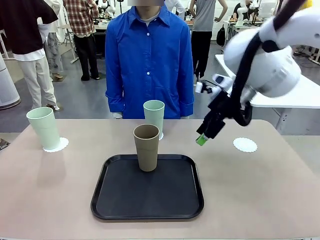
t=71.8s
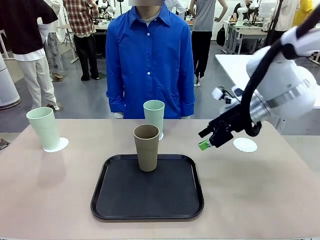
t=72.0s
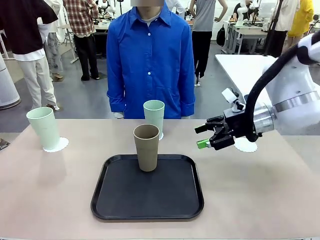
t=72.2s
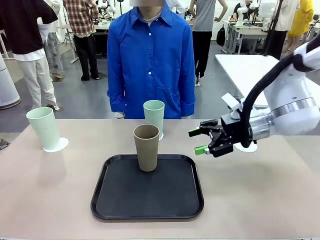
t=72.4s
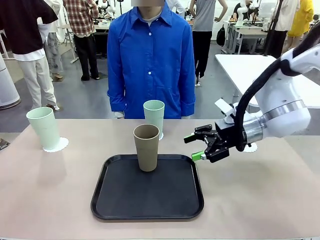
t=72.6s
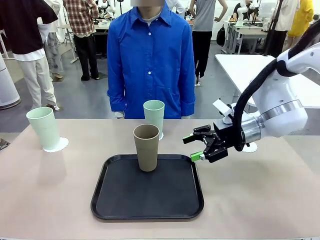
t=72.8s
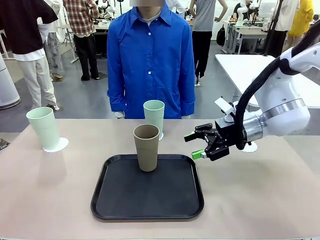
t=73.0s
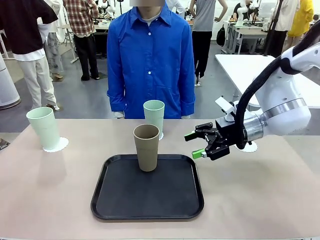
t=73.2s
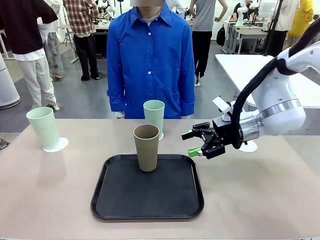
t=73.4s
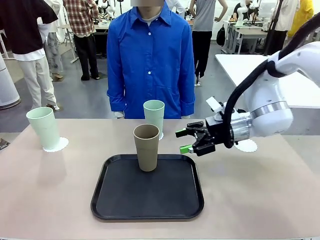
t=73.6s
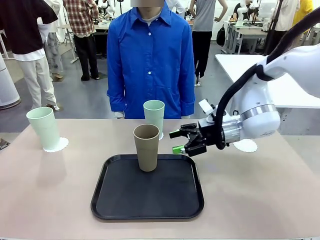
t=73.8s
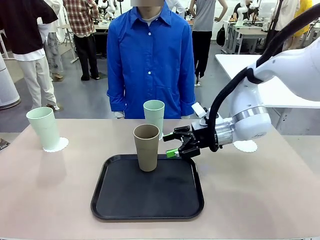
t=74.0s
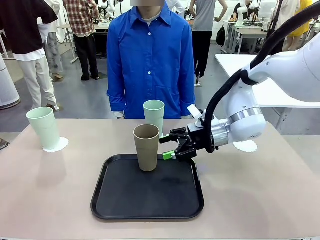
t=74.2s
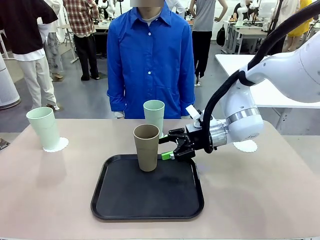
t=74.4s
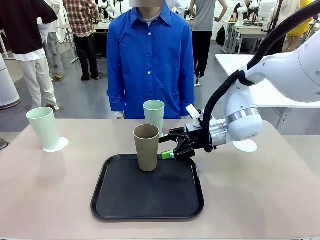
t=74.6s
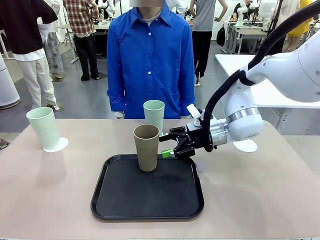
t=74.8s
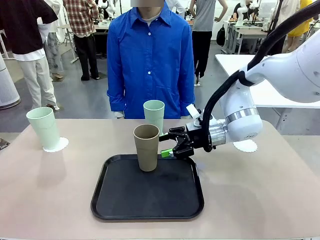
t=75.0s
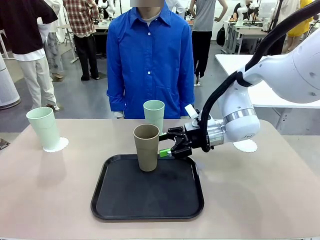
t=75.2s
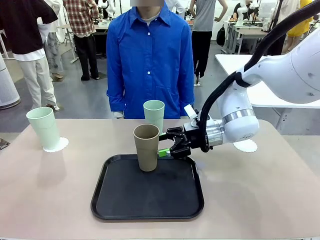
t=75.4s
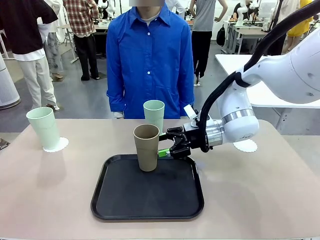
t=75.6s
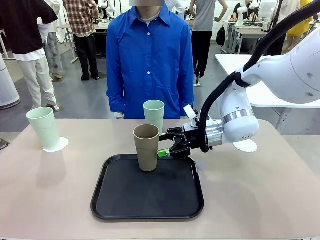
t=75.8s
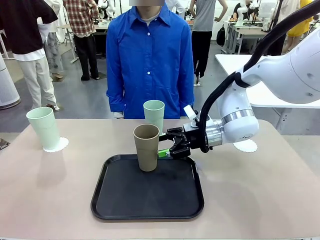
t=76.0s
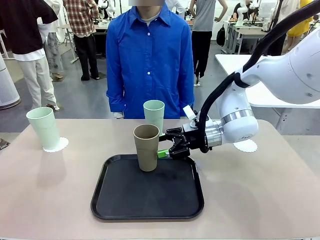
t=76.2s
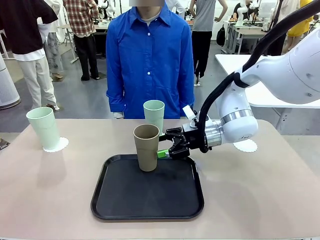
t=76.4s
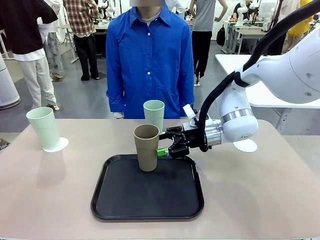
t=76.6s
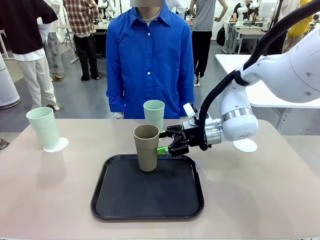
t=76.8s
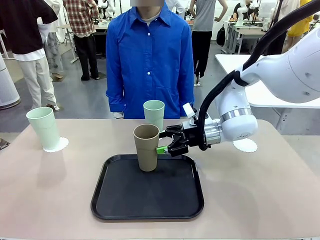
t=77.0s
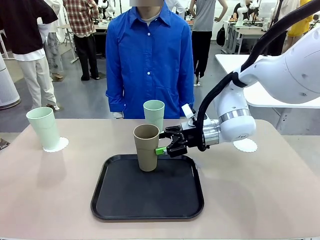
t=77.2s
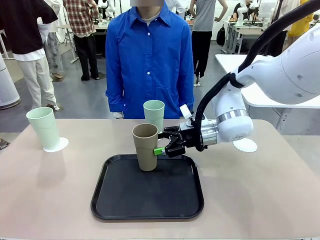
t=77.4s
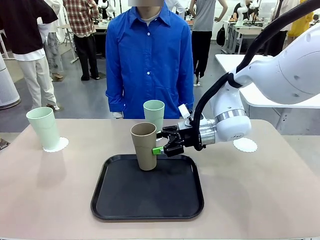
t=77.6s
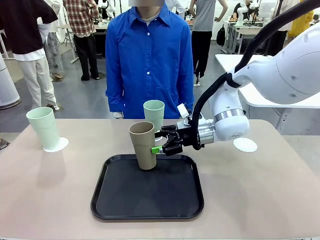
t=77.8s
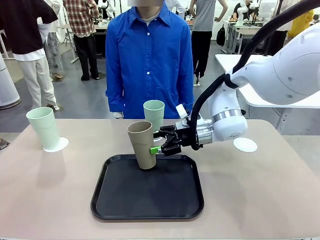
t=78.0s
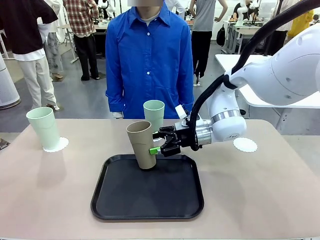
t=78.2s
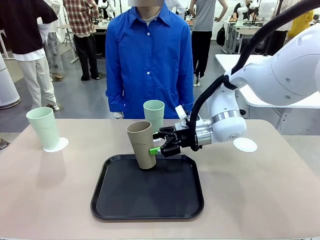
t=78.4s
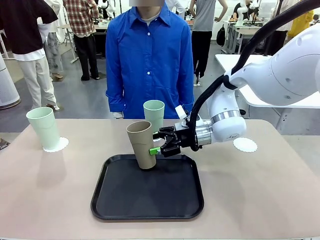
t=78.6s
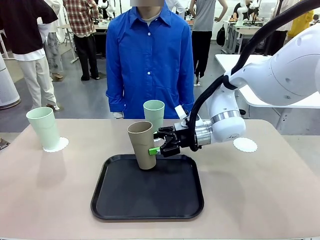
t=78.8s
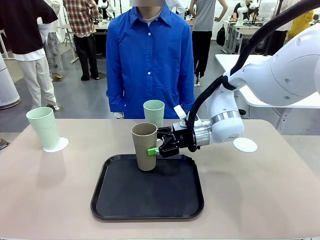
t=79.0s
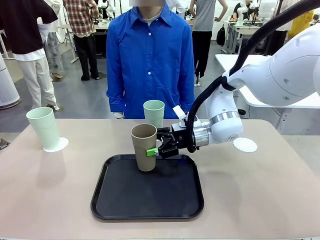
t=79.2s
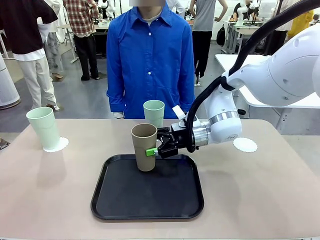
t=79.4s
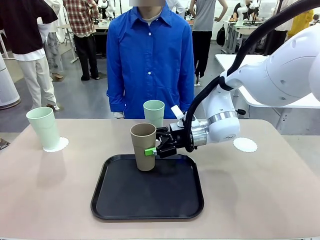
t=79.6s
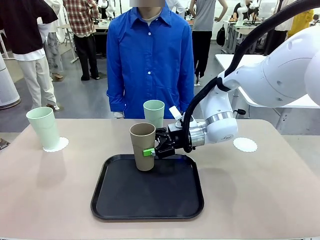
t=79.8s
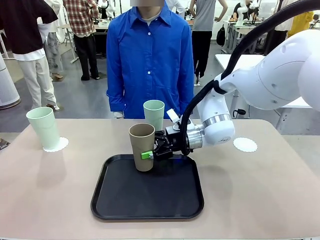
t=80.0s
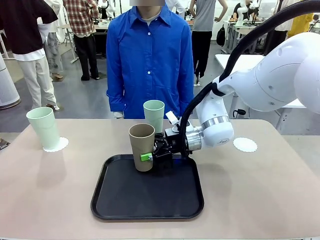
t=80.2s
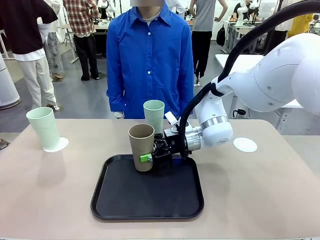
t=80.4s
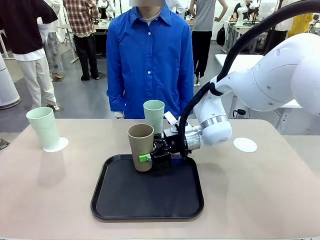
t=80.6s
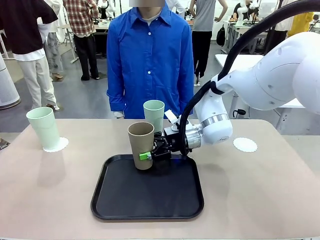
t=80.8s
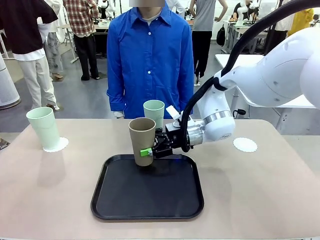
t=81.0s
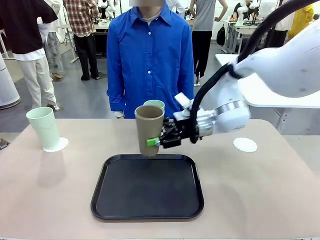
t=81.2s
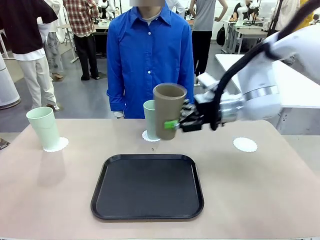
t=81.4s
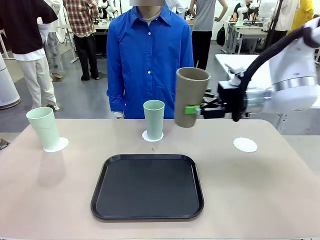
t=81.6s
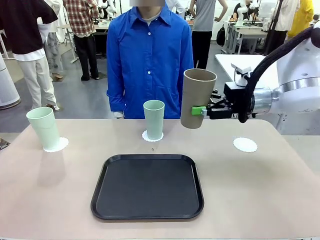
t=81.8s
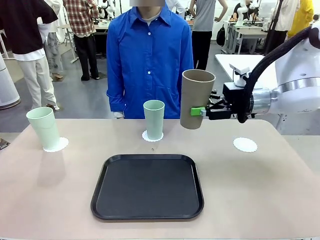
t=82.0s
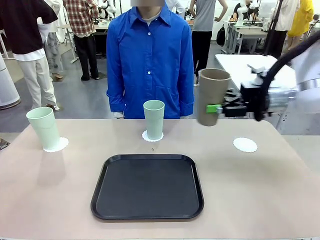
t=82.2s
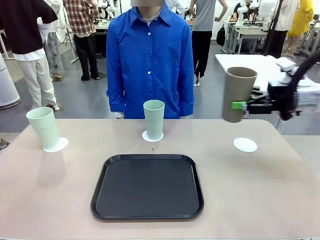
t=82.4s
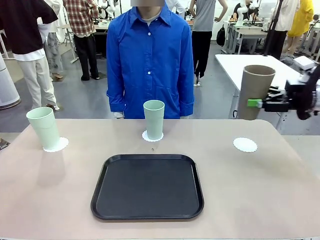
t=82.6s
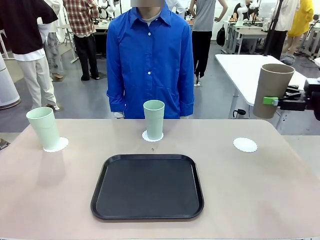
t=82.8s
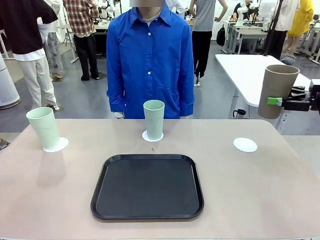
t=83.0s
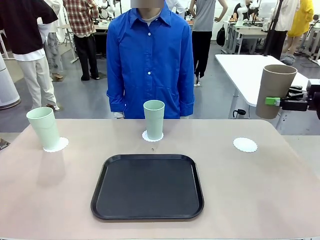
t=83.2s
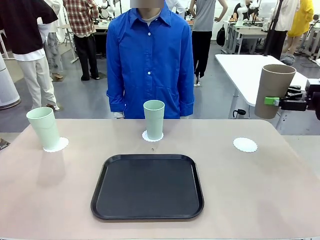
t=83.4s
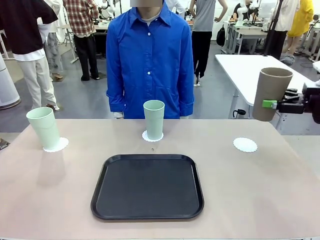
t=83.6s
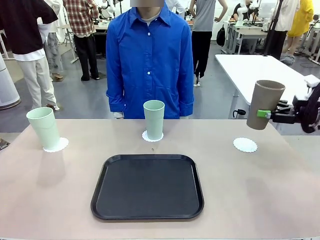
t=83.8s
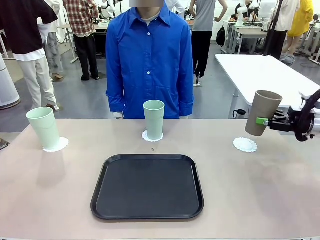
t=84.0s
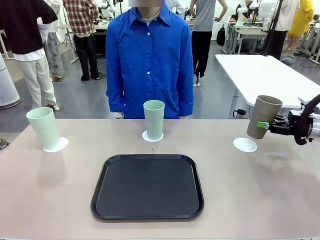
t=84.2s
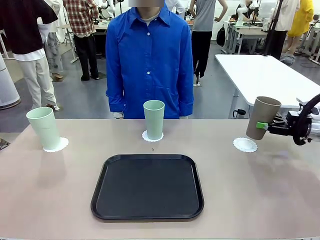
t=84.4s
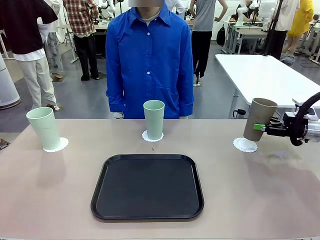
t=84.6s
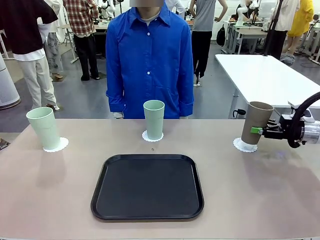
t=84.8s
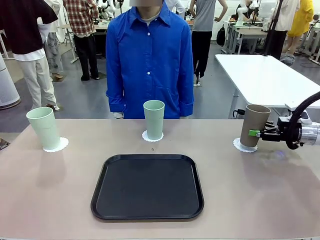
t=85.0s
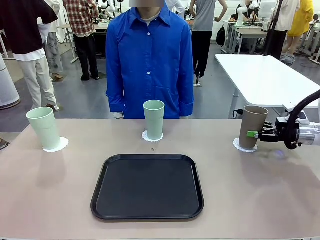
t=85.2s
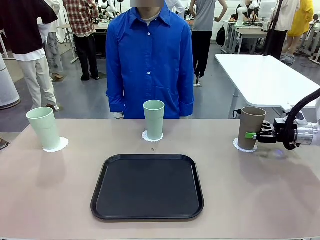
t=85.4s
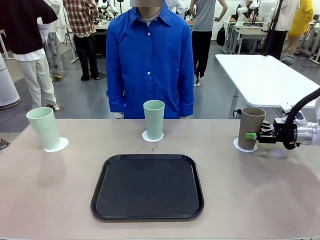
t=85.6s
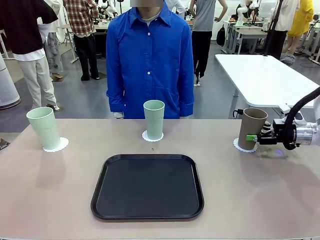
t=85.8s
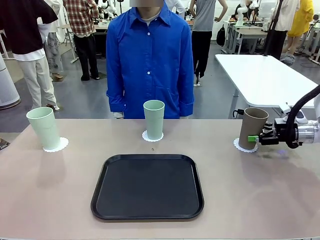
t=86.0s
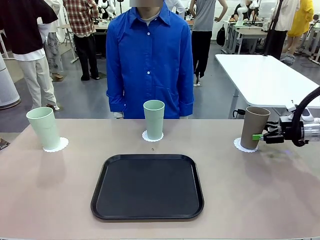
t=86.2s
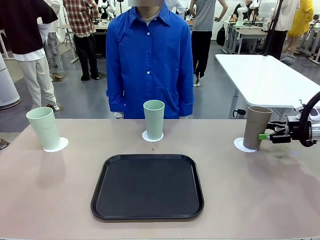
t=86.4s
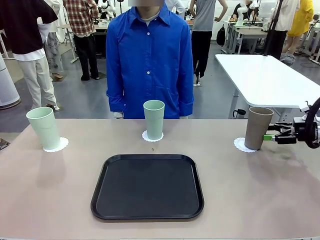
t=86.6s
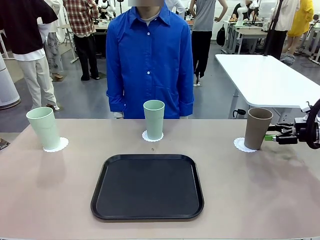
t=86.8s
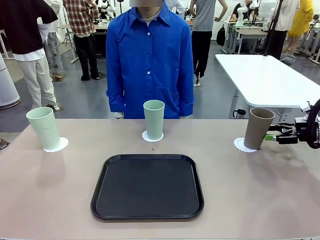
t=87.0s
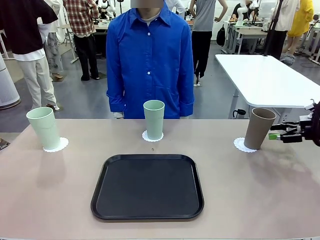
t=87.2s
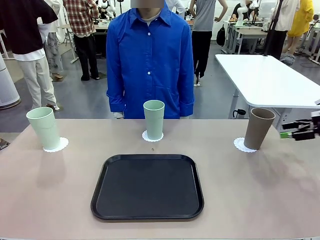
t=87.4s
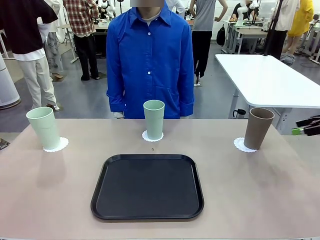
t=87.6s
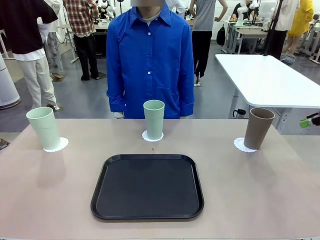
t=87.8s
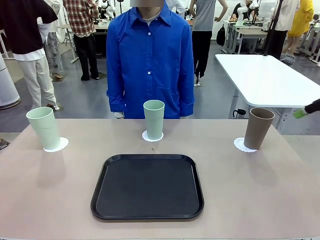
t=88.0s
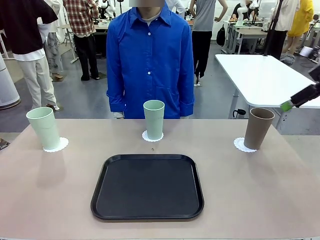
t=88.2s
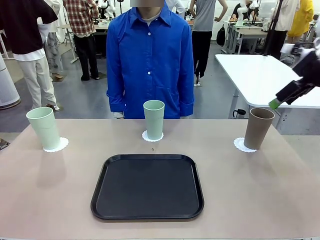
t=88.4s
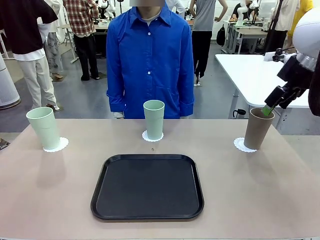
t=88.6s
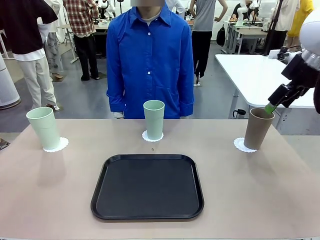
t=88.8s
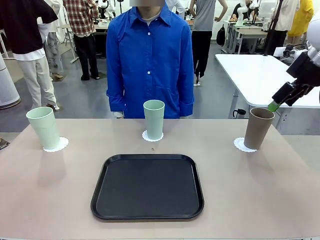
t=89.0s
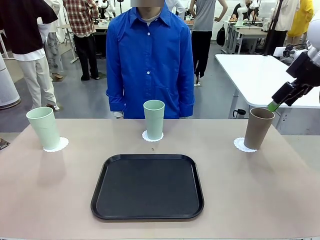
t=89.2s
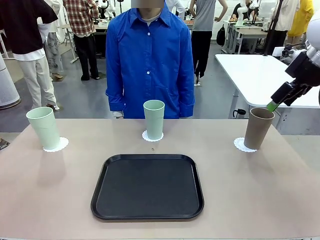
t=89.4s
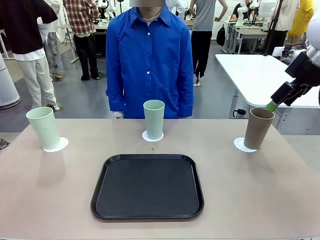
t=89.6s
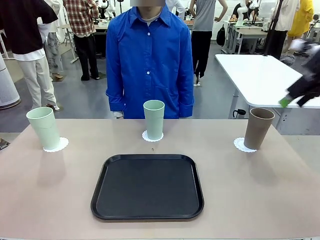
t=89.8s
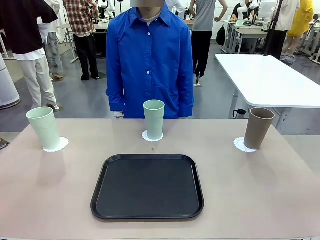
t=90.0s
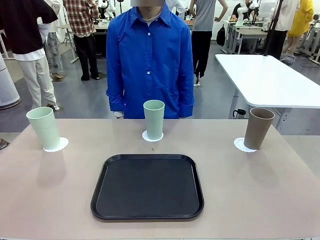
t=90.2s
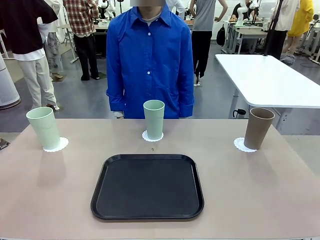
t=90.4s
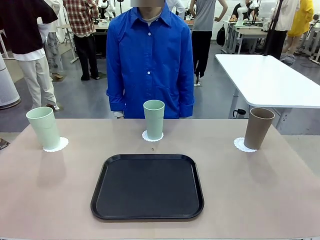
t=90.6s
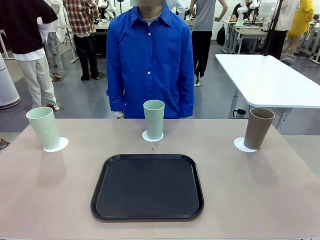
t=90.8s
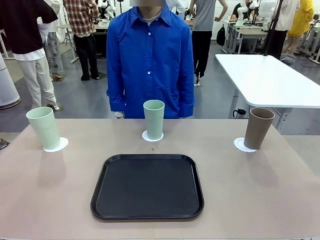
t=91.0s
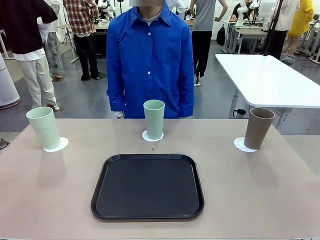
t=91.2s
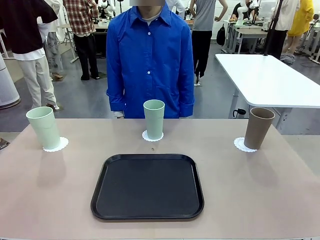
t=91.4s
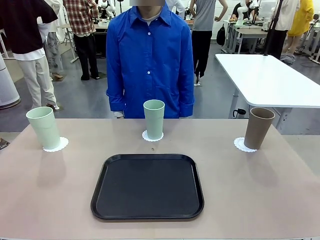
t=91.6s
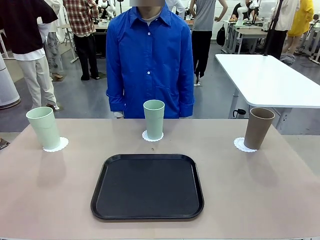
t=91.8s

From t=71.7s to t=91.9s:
Task: Place coasters on the table and set cups on them.
Robot: Take one Reusable plastic cup from the Flat Tray and place it on a coaster set by the human.
